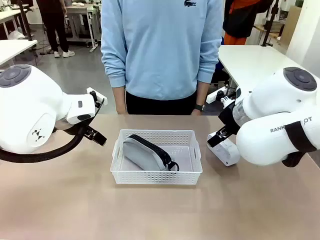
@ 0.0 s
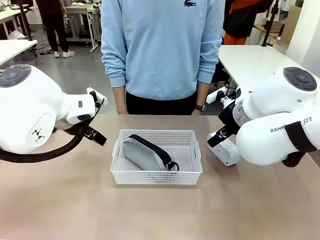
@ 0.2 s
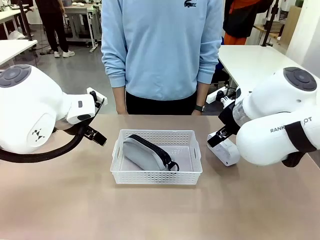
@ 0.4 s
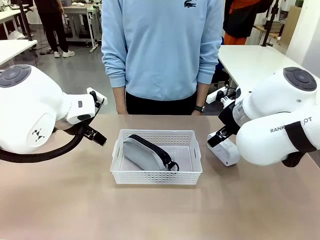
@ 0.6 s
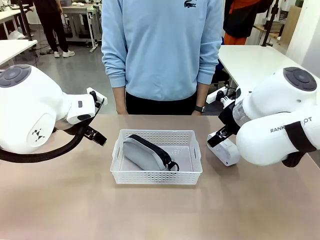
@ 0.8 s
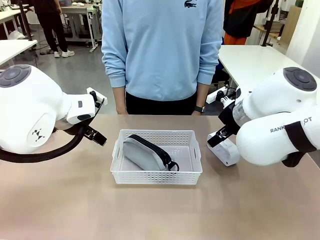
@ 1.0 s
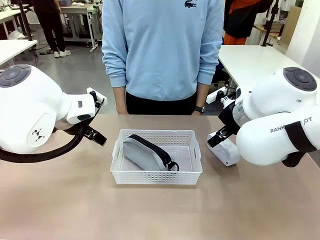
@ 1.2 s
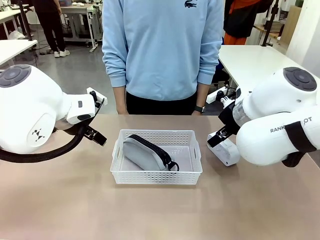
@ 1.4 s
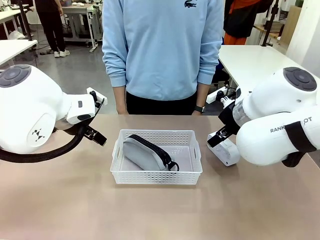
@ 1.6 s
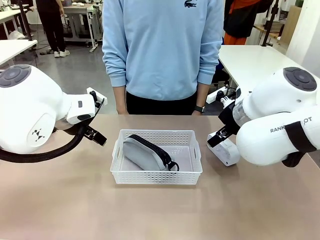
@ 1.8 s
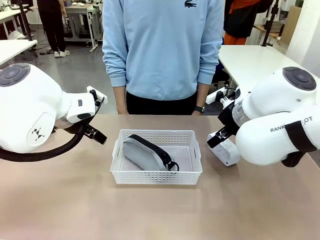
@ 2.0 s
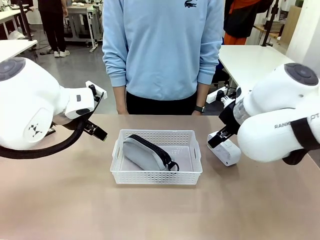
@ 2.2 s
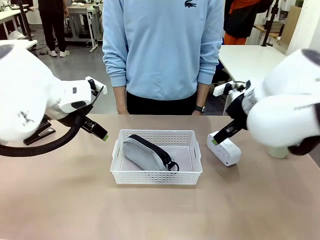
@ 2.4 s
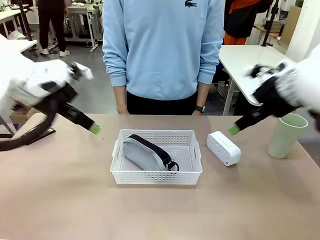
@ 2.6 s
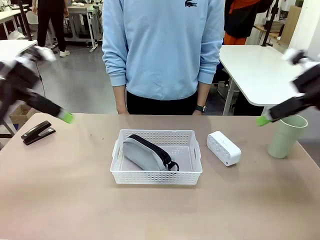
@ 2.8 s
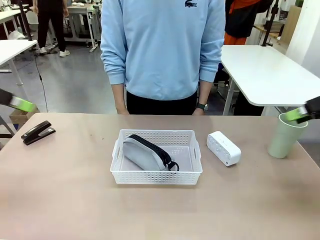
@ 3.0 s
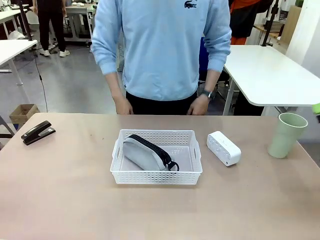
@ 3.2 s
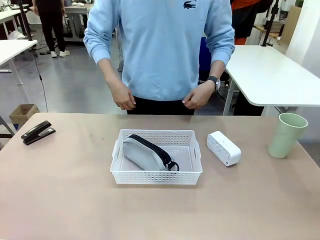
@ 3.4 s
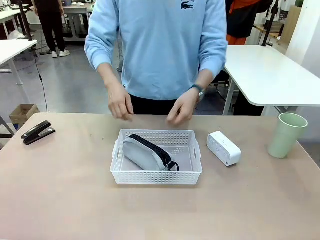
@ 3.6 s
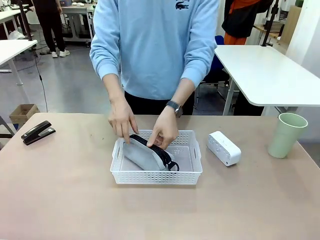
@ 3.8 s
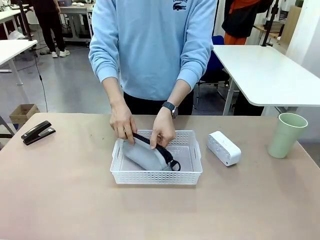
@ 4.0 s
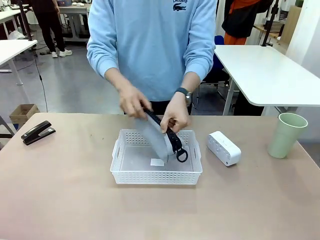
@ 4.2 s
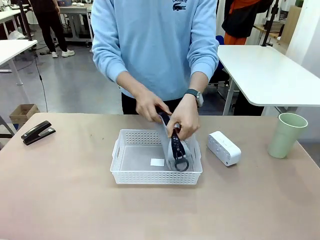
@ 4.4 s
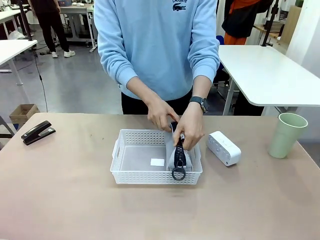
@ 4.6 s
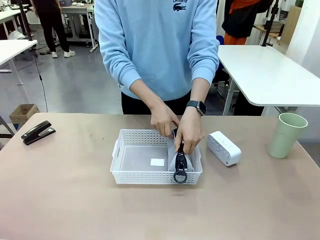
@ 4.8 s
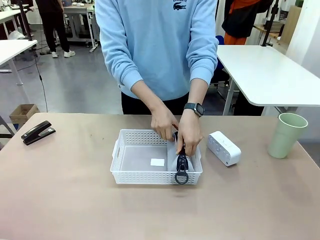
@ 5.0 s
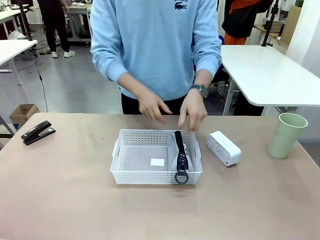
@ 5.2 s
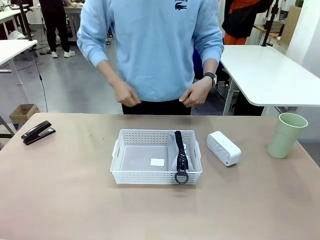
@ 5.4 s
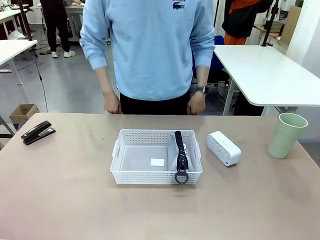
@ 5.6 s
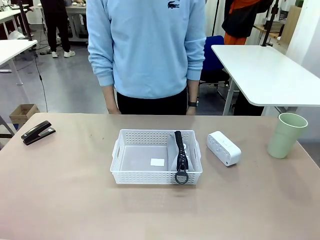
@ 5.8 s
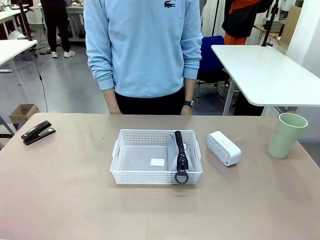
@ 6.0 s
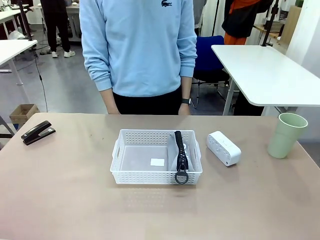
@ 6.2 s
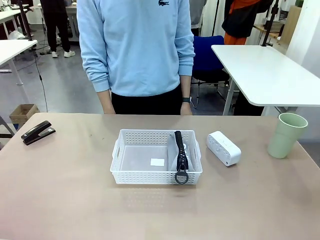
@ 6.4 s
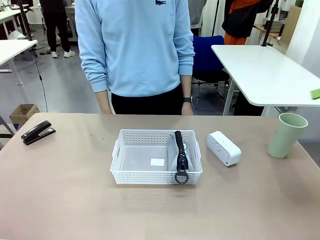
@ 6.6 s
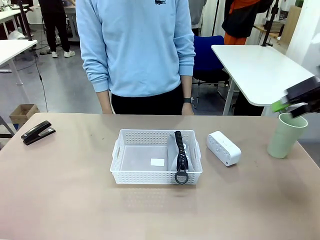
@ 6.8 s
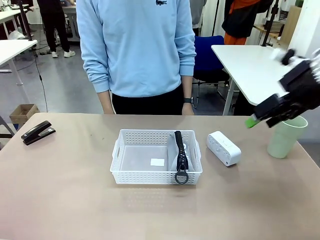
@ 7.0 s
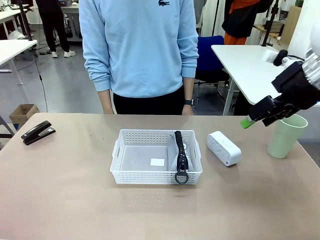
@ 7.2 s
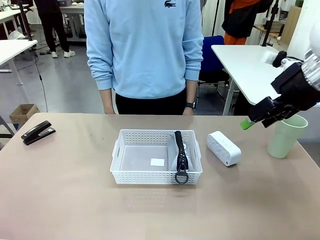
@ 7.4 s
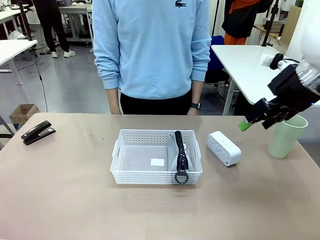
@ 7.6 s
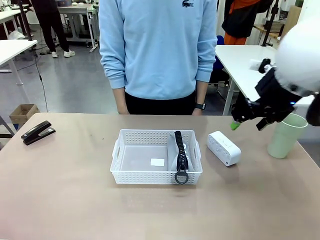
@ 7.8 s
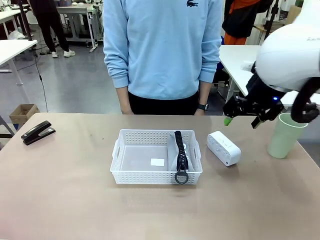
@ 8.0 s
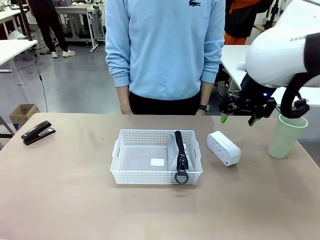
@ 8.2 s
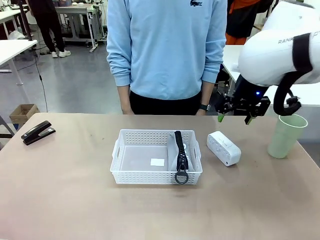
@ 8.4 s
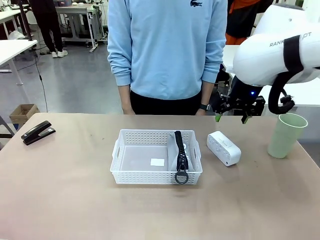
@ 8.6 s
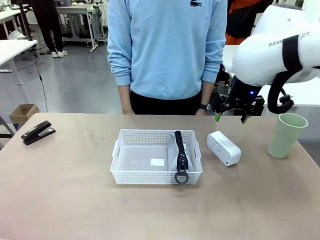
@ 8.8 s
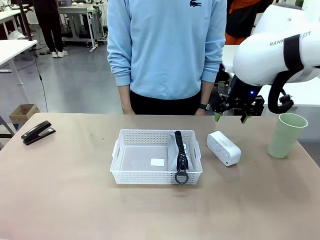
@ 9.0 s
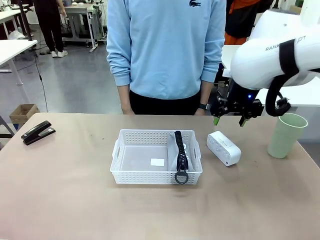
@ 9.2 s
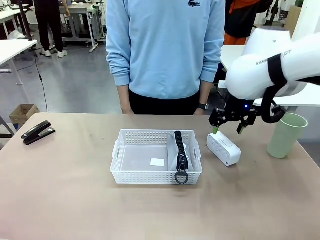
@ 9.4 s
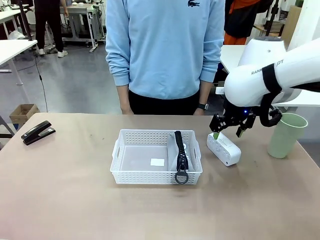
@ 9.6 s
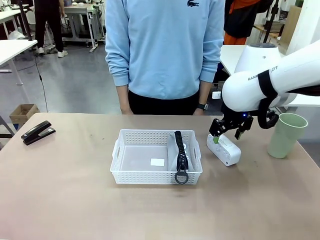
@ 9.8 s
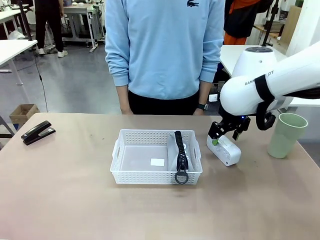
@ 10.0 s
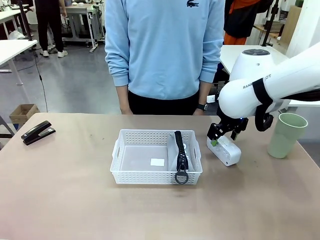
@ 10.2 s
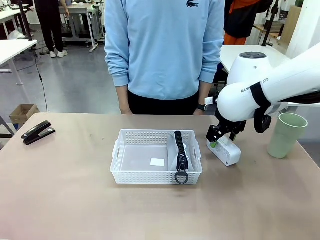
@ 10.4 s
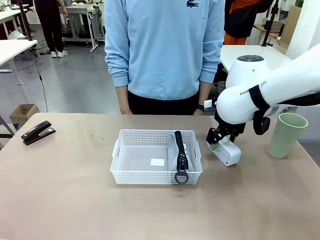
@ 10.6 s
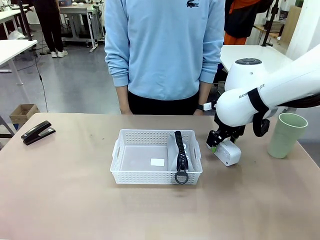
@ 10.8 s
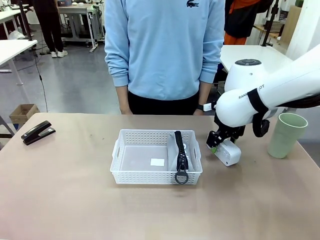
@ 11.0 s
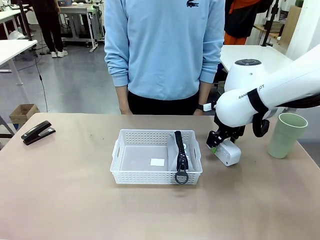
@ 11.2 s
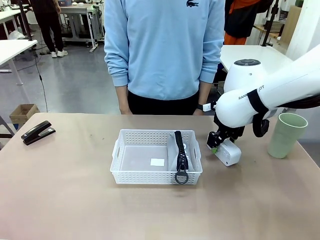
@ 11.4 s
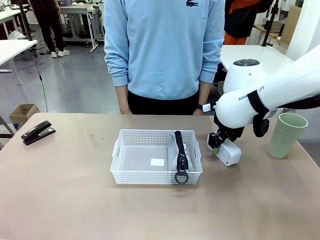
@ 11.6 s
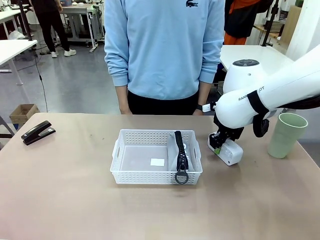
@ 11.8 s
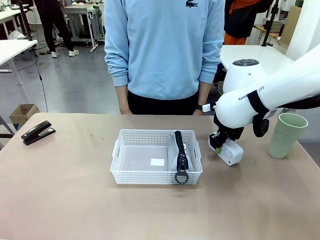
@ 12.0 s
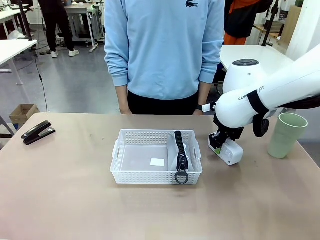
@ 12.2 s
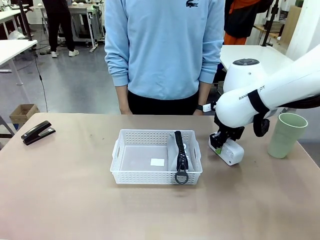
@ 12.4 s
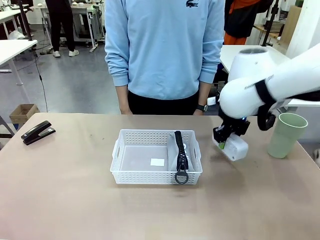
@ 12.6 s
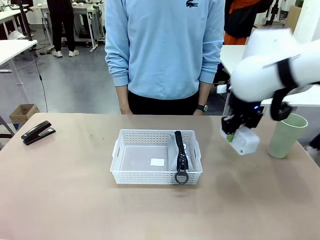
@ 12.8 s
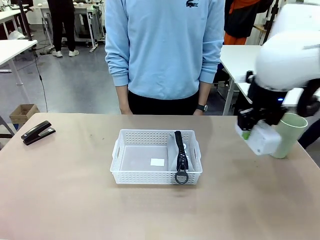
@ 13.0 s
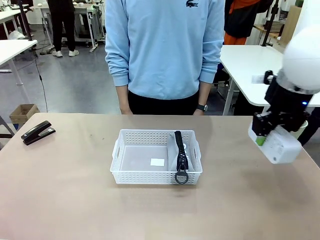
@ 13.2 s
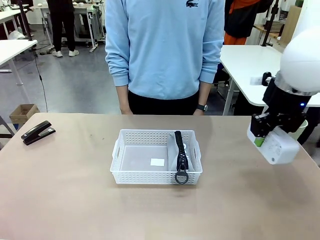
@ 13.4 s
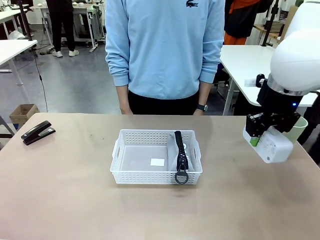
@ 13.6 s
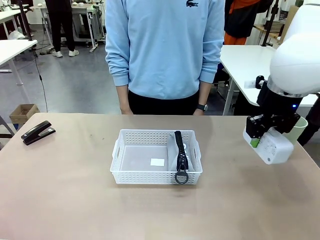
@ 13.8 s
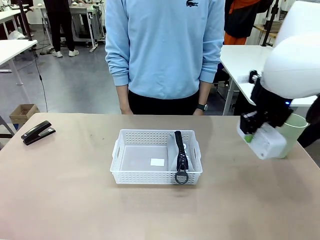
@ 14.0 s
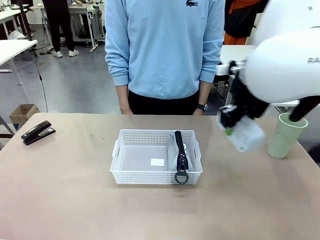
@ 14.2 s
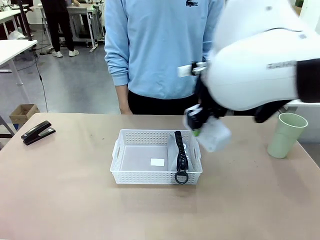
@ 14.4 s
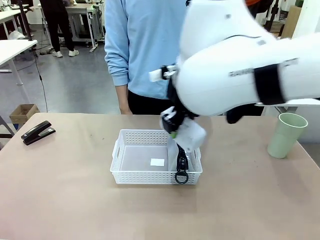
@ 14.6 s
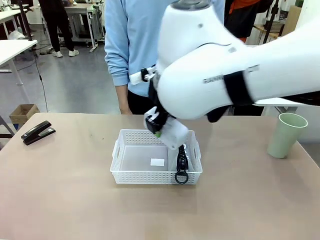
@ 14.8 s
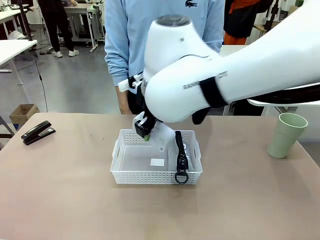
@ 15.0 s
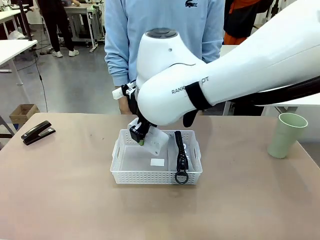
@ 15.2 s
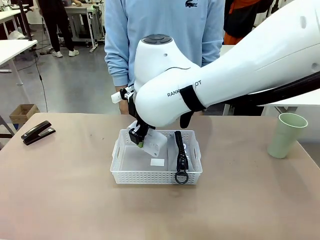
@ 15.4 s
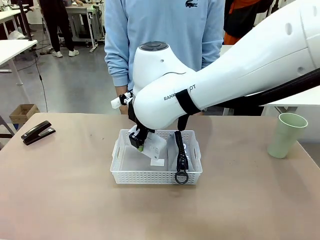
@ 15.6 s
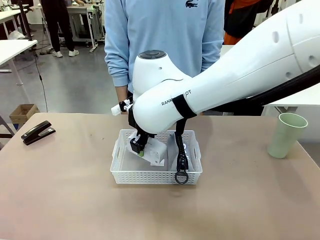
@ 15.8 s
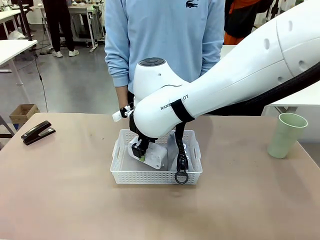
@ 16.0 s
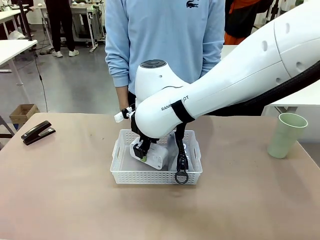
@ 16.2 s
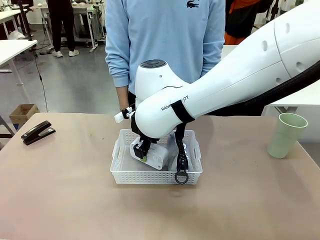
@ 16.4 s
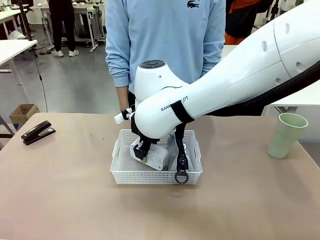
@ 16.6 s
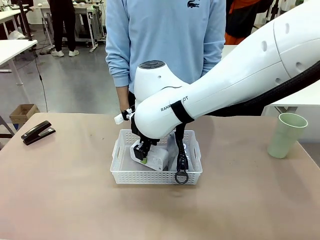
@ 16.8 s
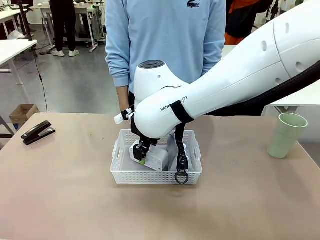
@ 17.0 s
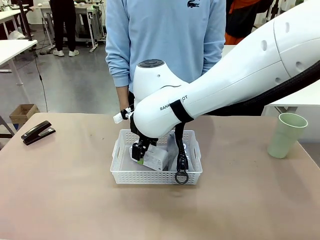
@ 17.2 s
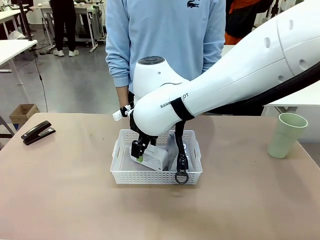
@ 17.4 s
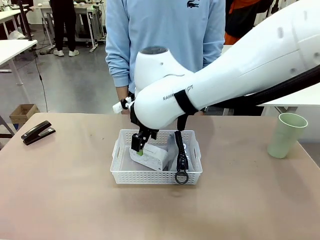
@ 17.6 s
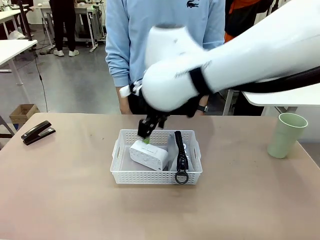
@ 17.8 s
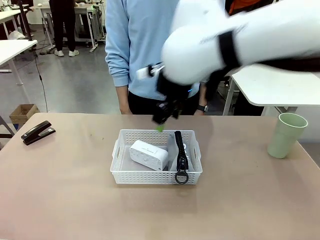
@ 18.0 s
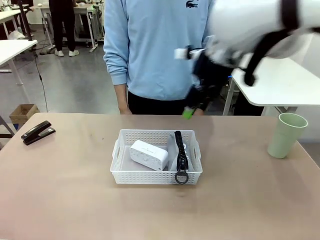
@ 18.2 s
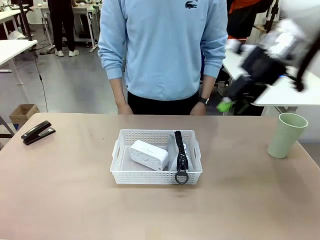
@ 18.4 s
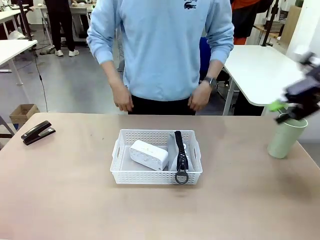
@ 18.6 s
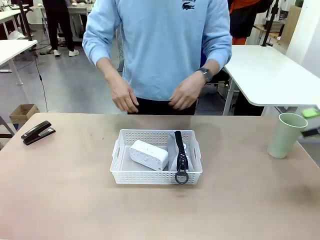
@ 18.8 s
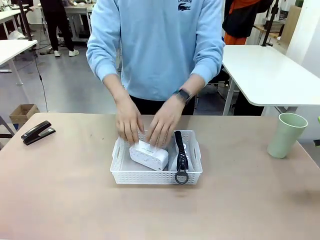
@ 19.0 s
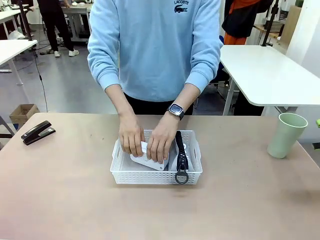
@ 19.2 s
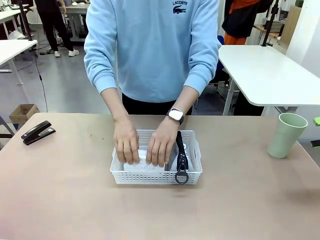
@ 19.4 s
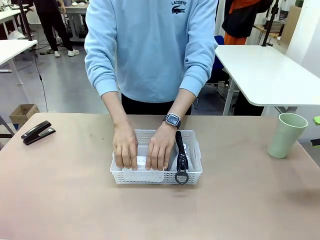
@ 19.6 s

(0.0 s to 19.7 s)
Task: Efficiently arrange items inside the basket to fit them all.
Robot: Pick up the Digital clock and place it inside the Organizing basket.
Person: Repositions the pencil case. Repositions the digital clock.
